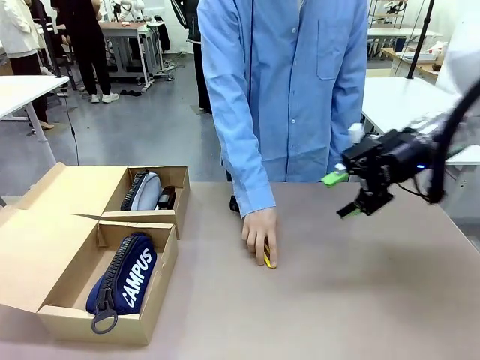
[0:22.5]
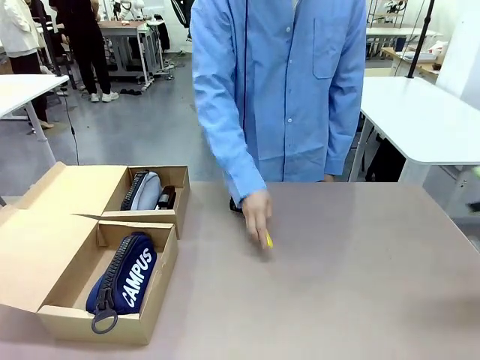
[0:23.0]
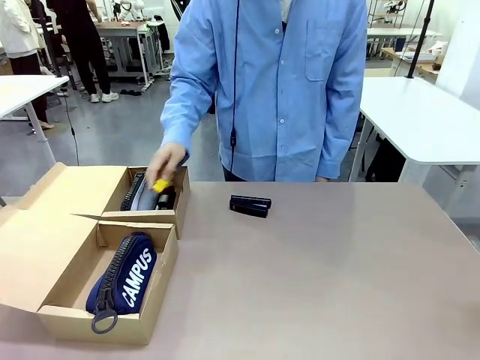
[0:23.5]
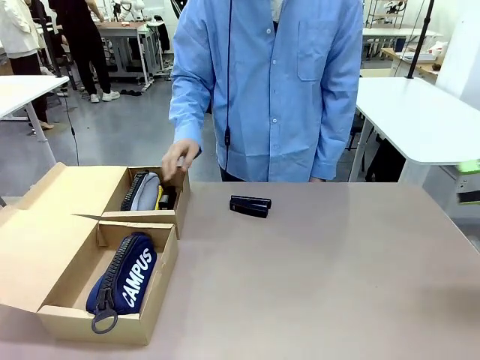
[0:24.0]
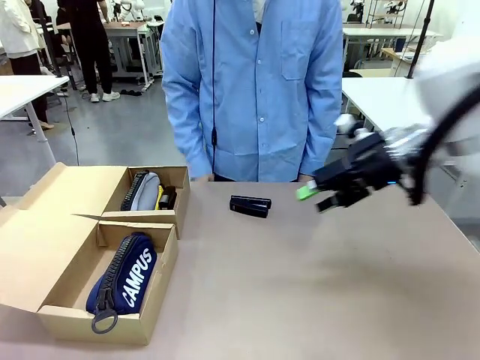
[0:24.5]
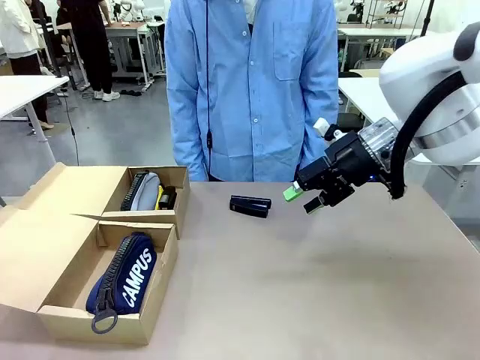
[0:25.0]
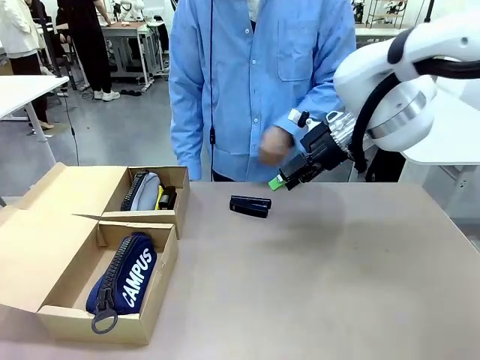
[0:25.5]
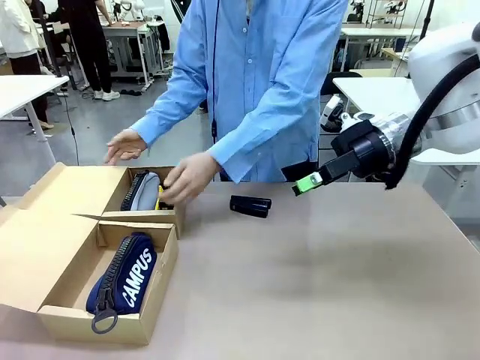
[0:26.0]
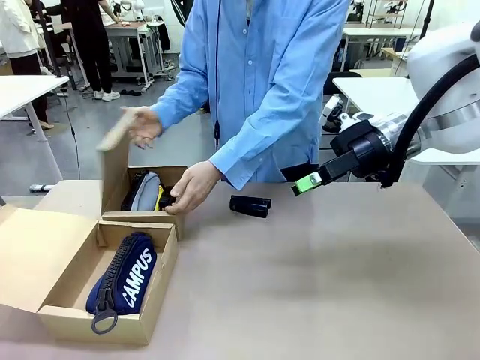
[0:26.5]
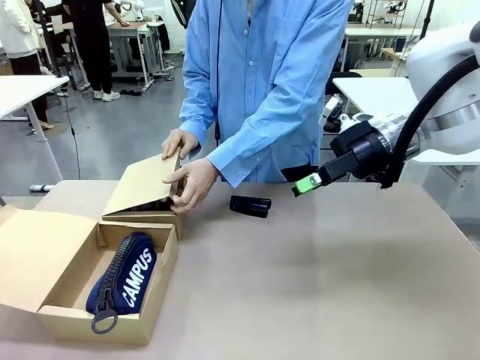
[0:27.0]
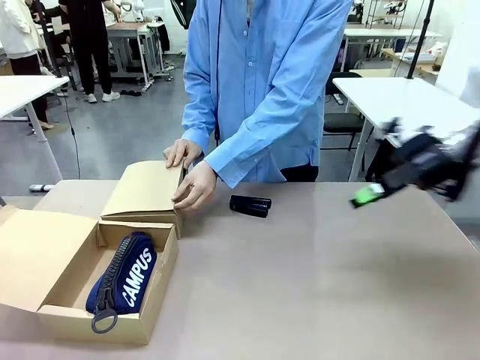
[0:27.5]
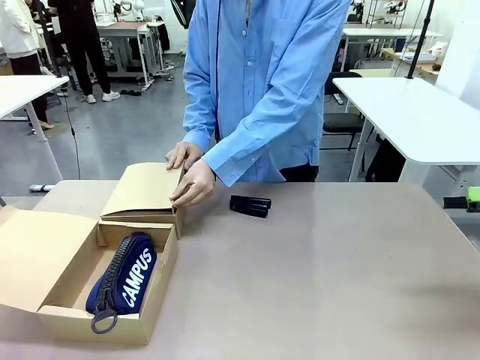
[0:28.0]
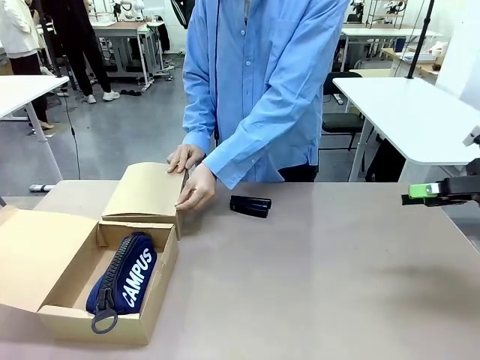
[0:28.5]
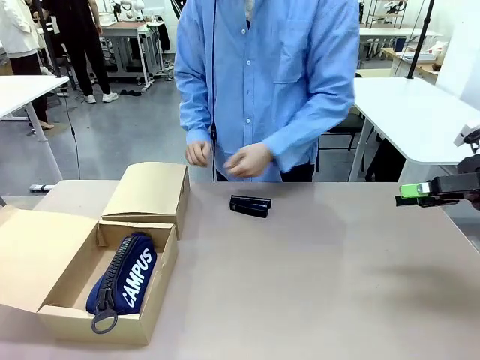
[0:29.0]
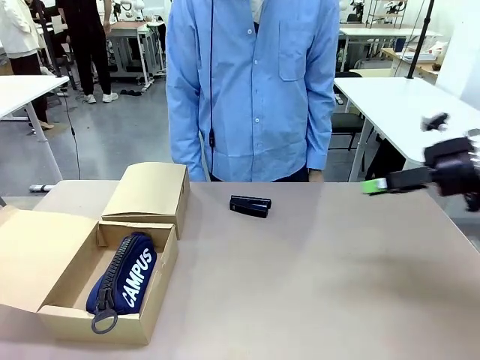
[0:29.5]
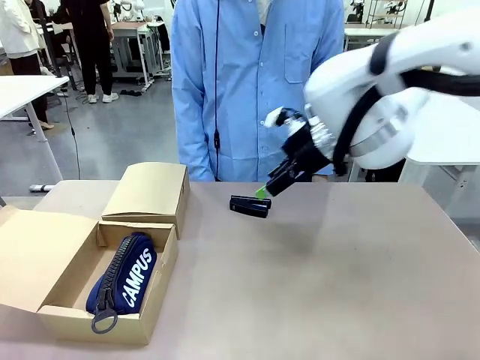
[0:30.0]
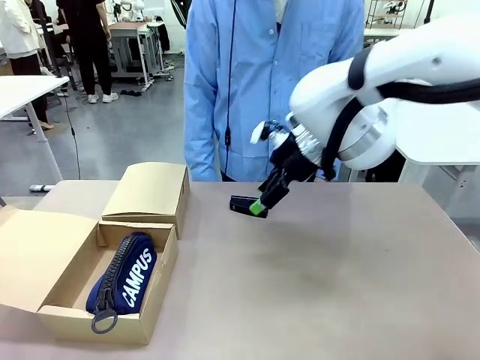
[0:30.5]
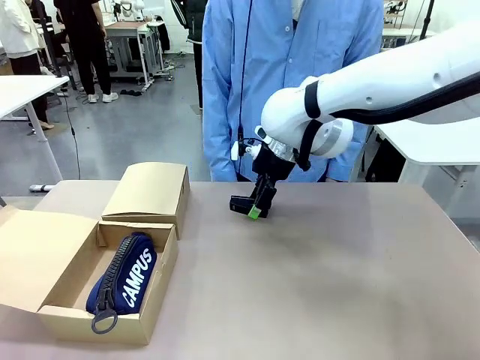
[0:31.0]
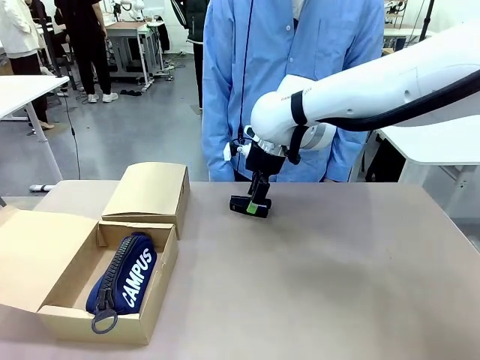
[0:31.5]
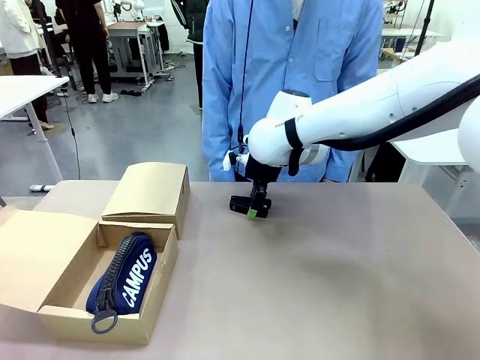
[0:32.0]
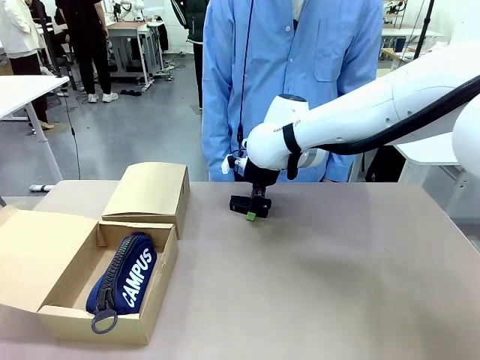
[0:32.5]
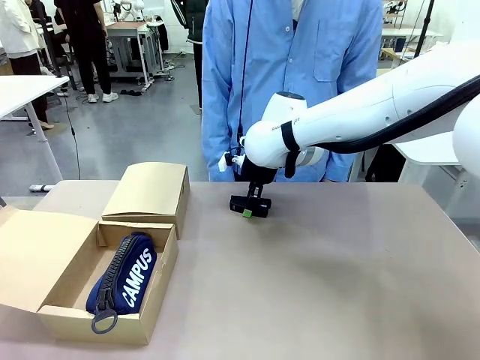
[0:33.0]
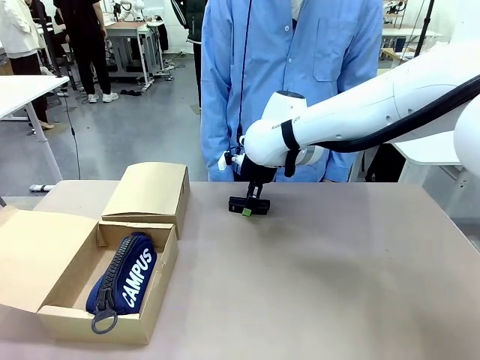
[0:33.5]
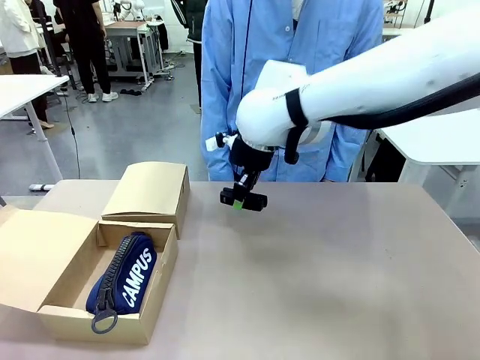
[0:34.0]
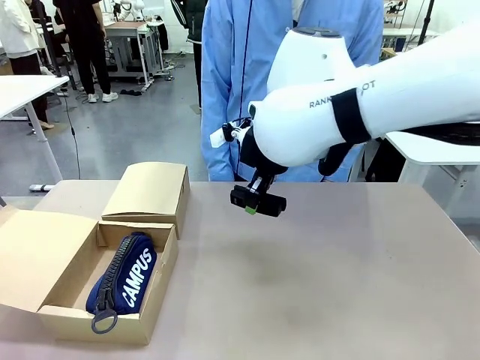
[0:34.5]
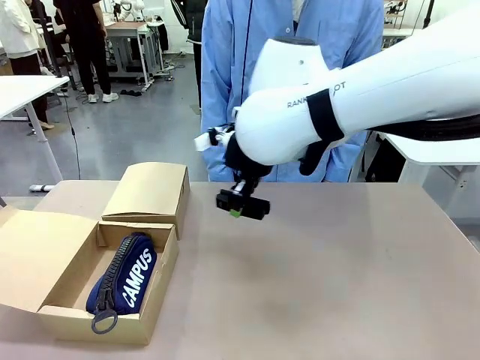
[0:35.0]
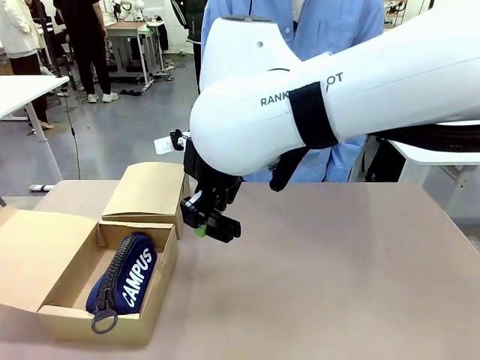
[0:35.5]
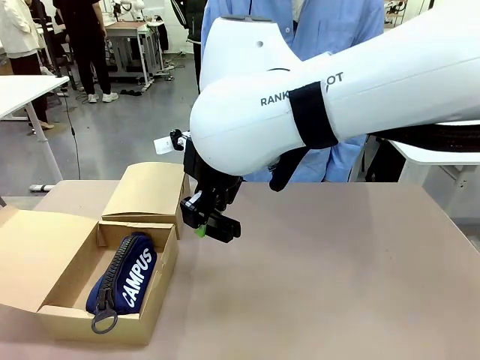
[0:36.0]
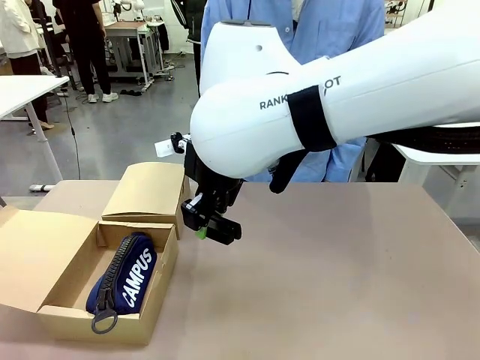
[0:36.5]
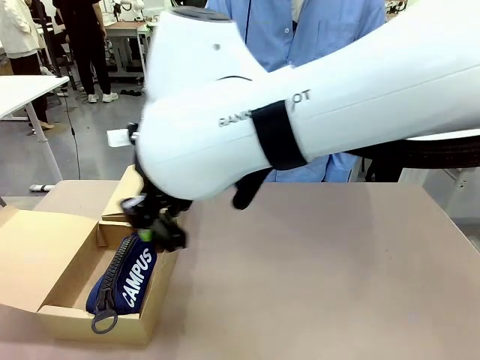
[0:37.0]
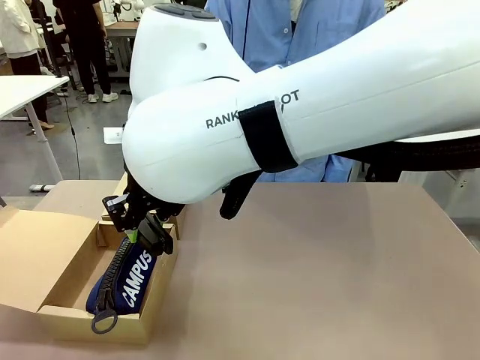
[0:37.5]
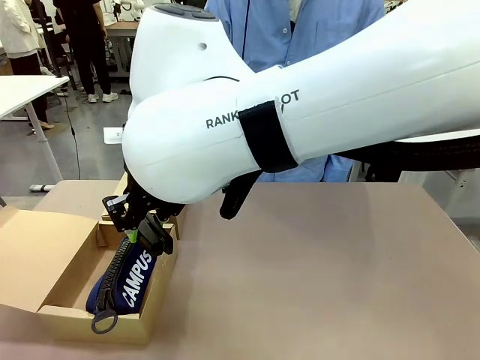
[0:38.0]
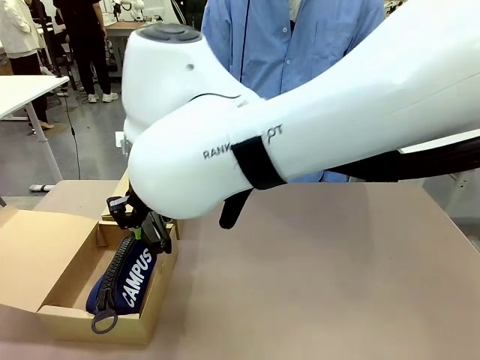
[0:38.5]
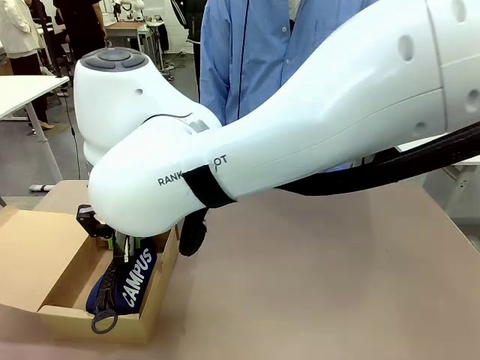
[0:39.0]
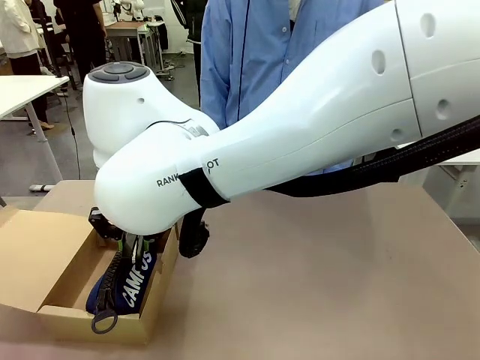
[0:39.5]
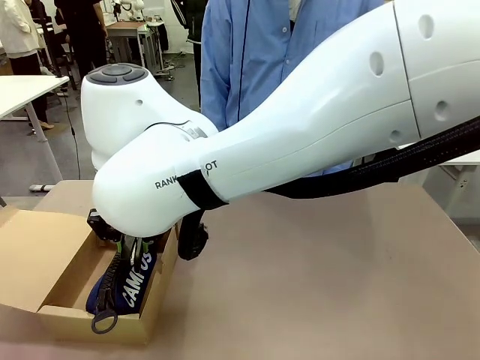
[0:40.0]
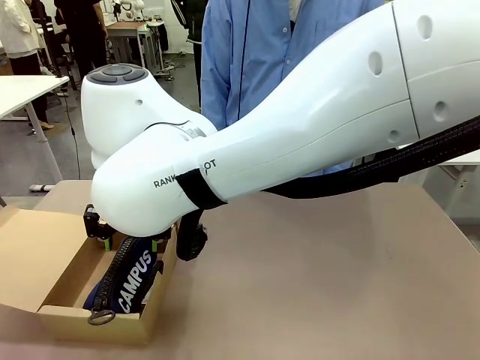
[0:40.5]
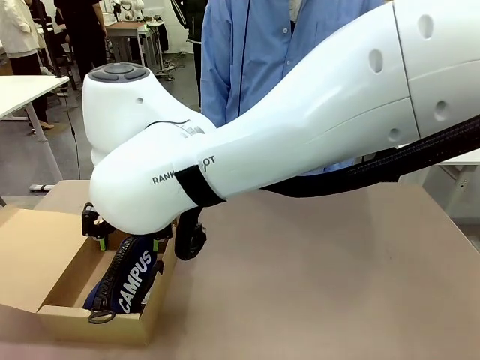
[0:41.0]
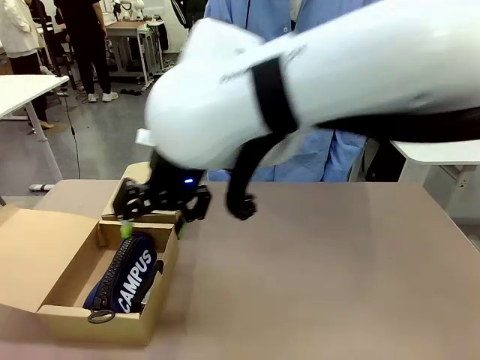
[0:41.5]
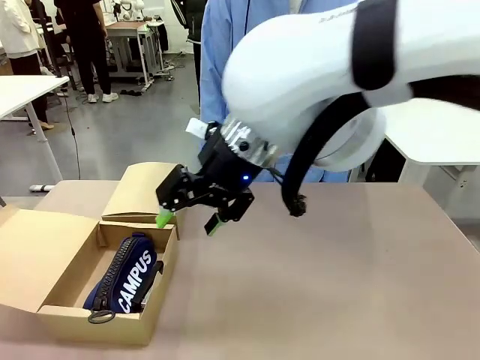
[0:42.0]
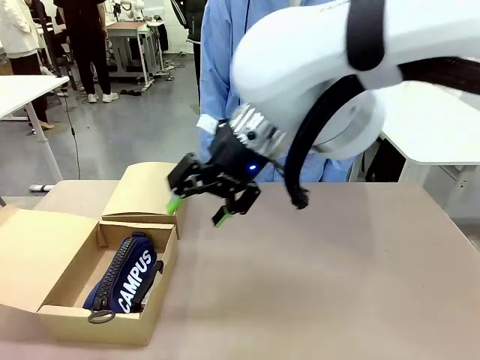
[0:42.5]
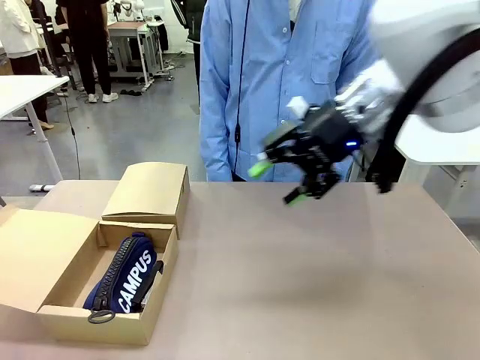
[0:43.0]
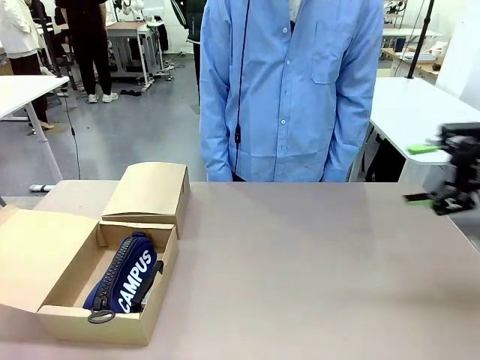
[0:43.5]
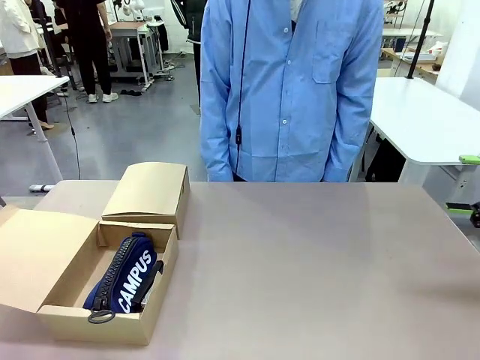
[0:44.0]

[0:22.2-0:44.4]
Task: Place items inside the box.
Robot: Pick up a Pencil pouch or Stapler and place it inside the Mailer Box closest to the robot.
Person: Close the lid of the box facing the person.
